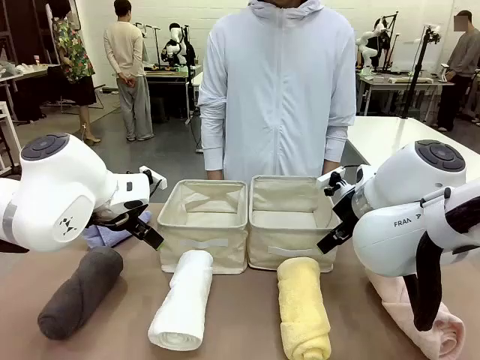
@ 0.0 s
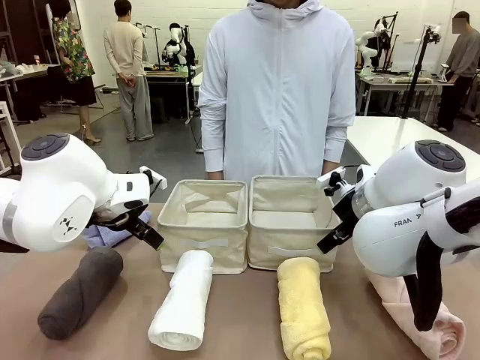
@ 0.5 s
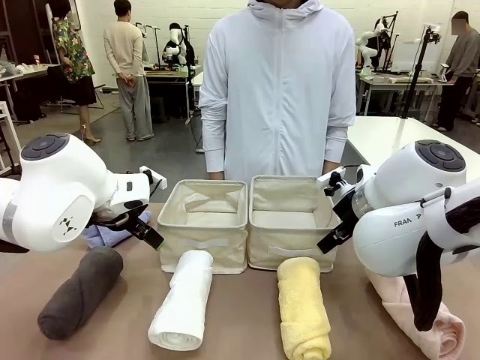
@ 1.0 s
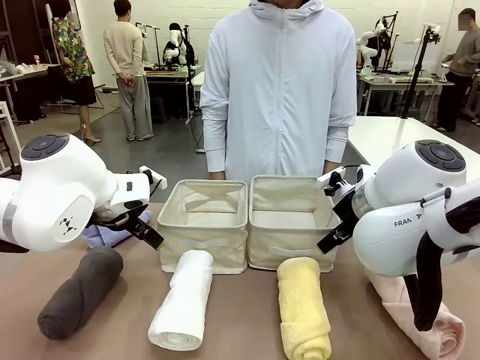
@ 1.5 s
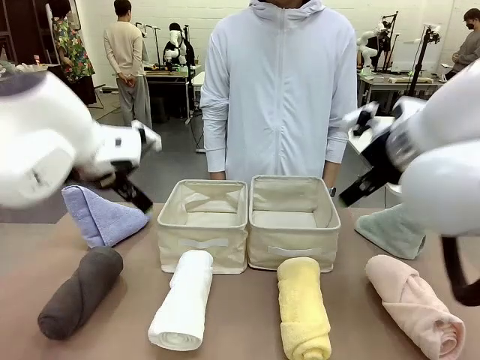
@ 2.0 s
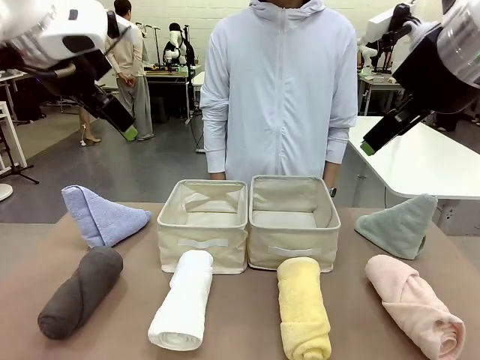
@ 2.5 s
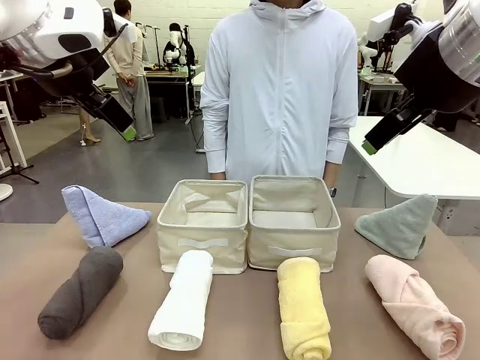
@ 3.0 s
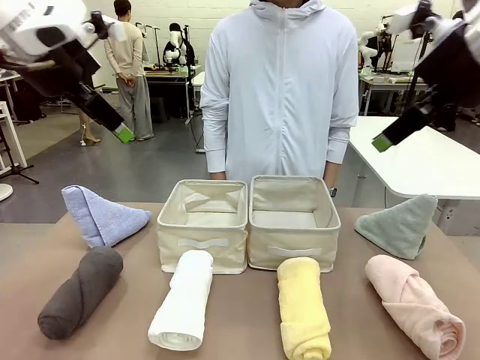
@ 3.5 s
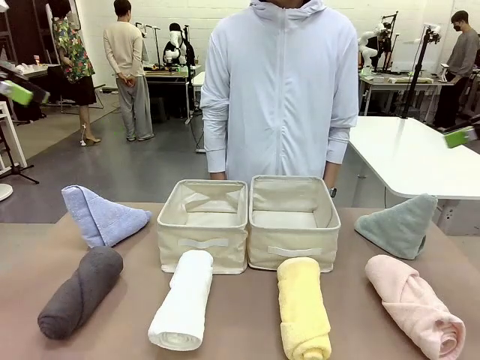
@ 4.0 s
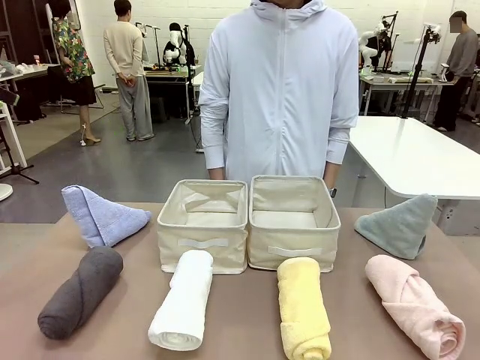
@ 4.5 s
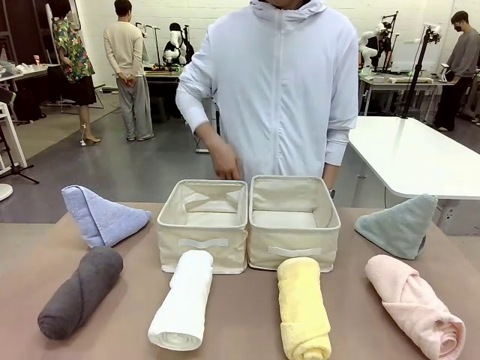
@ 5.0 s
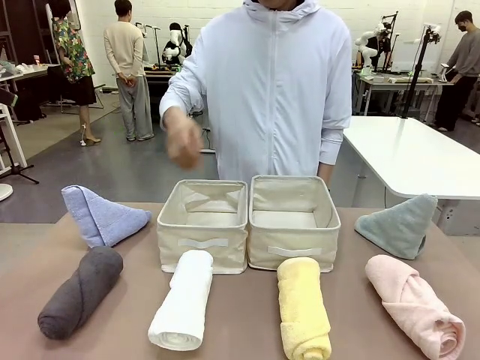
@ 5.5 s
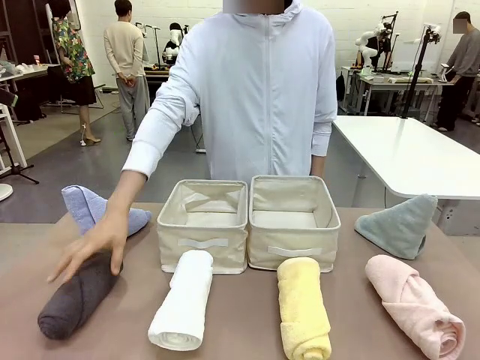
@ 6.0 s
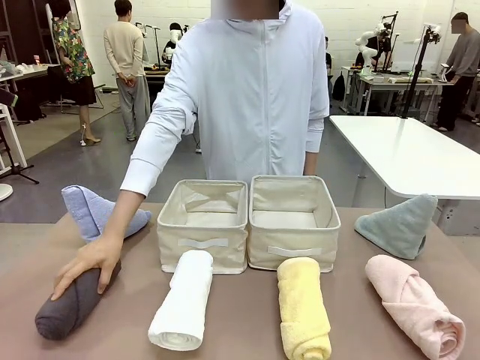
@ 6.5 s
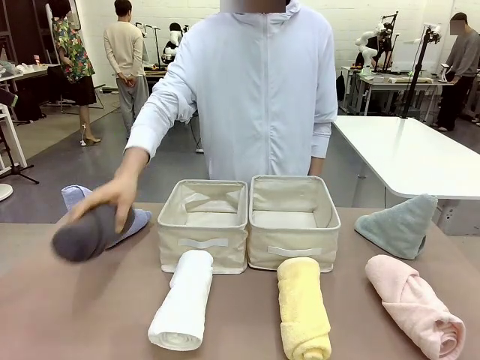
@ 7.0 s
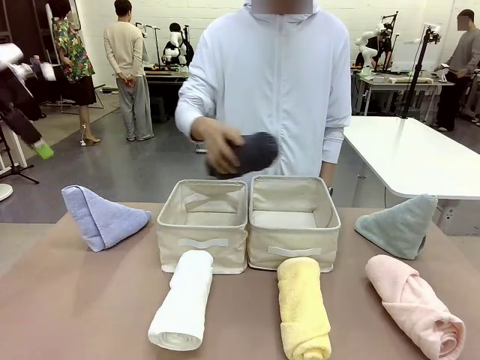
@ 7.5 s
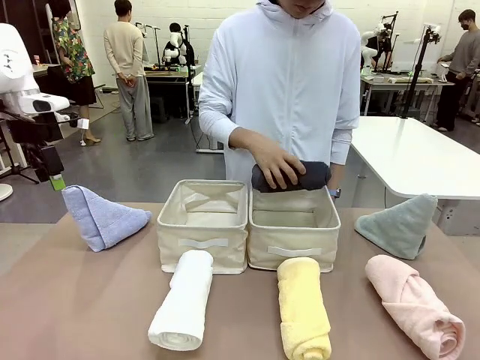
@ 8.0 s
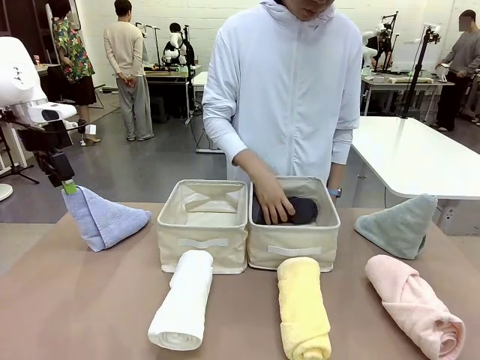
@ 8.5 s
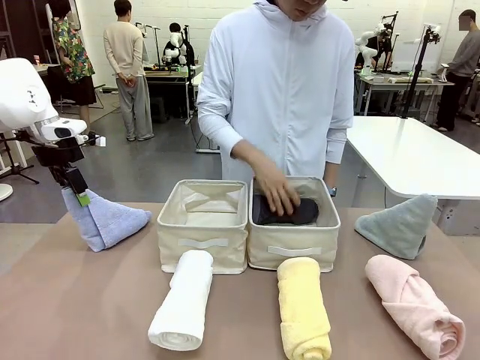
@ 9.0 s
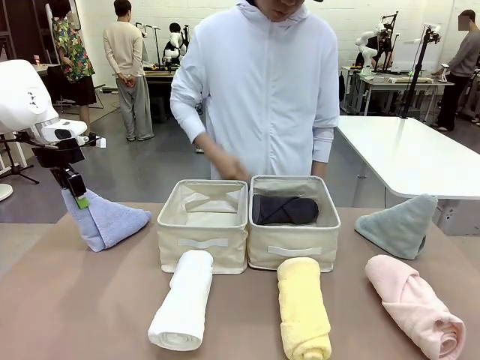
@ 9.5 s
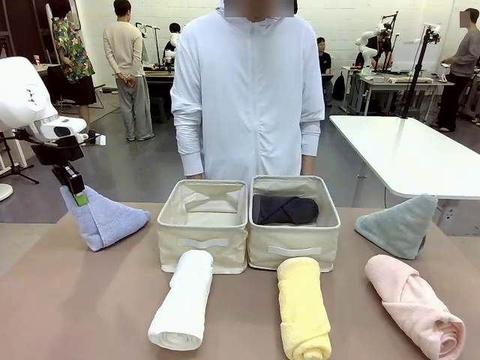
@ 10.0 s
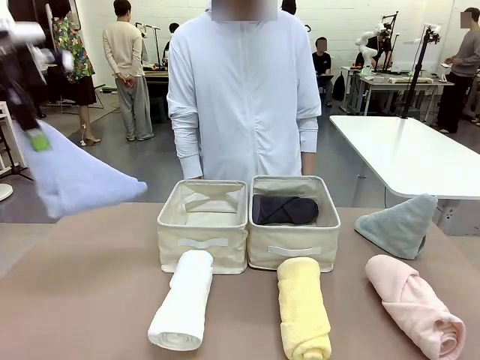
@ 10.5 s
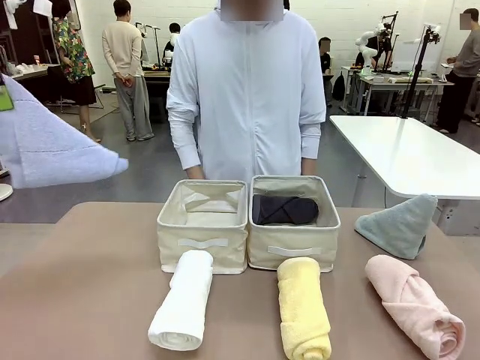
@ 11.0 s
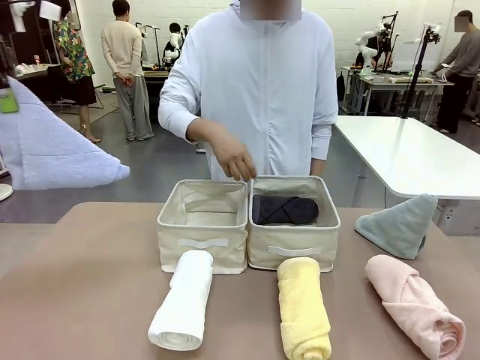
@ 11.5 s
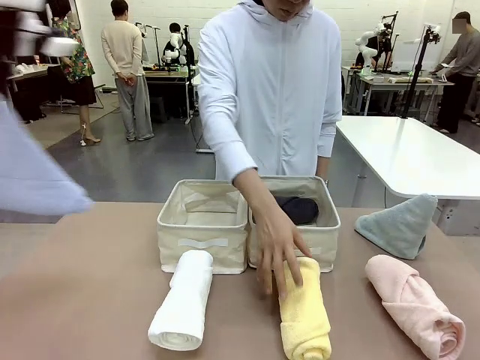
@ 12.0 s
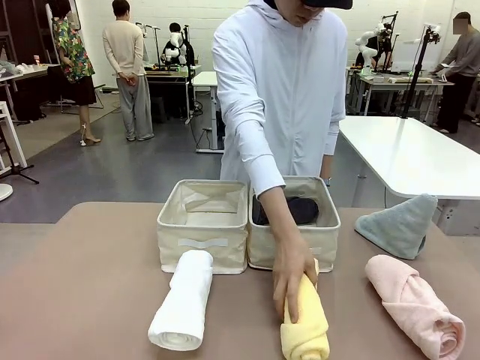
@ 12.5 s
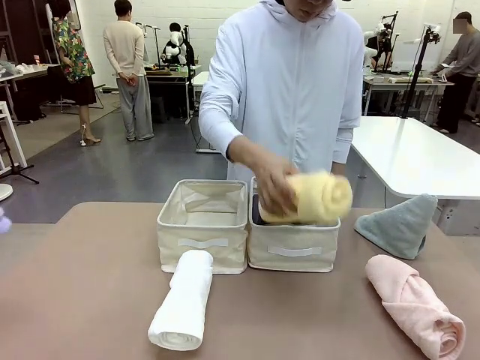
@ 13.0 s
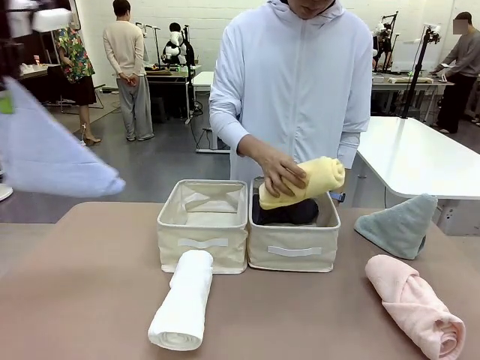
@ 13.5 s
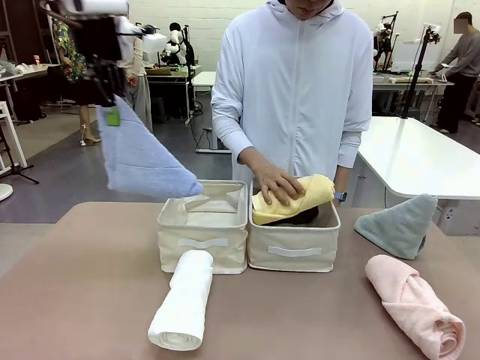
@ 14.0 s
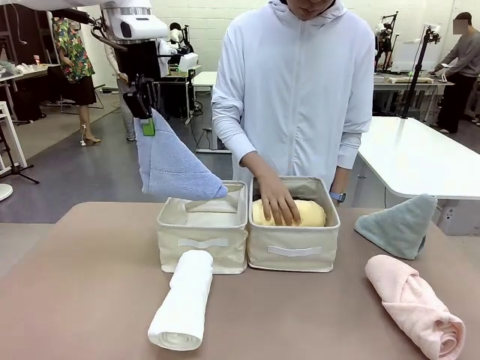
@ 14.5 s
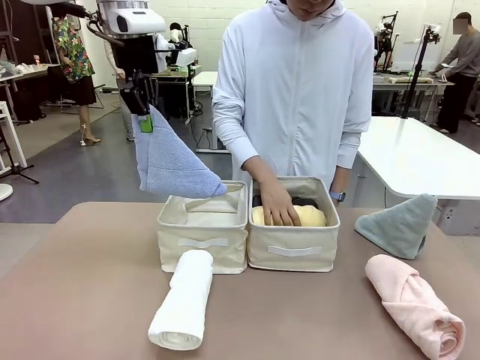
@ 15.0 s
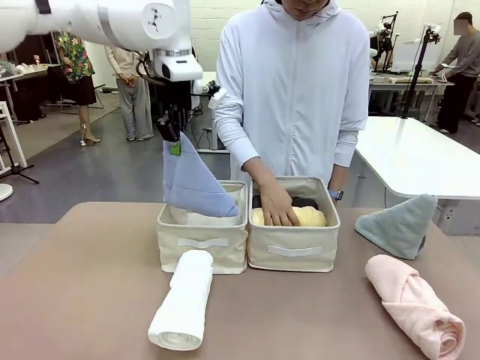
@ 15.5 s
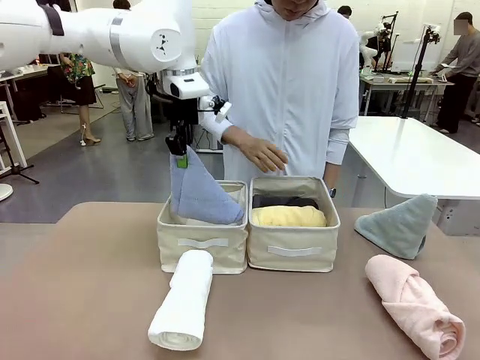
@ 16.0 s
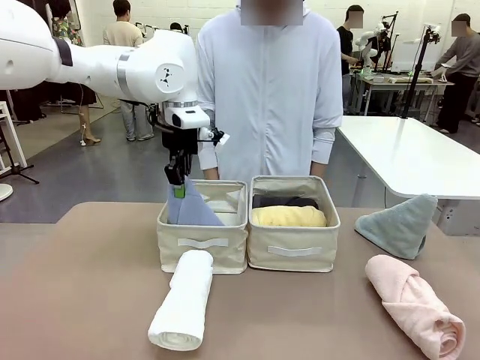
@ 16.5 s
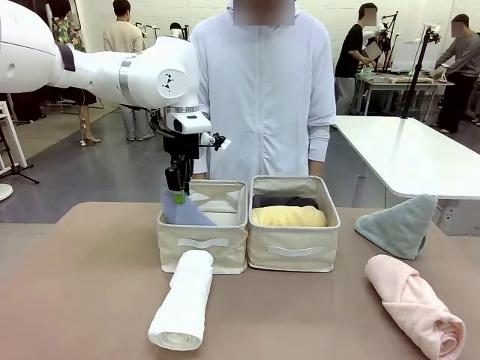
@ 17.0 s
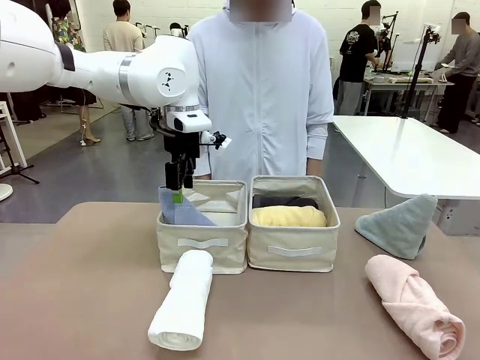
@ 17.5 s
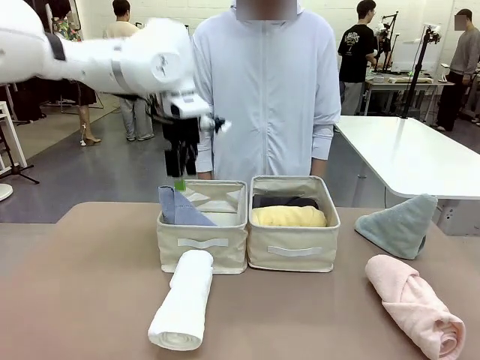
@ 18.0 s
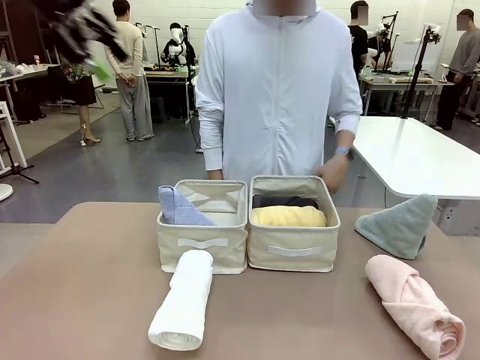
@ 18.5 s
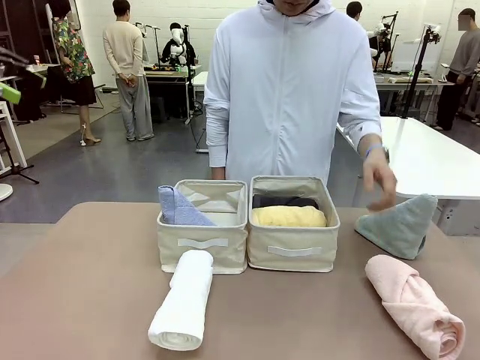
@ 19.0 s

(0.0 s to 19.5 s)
Task: Sort the towels based on their folding style.
Robot: Pick up one triangle-folded towel and place it in the left Fabric basket.
Person: Pick up one hotel-style rolled towel and place it in the left fabric basket.
